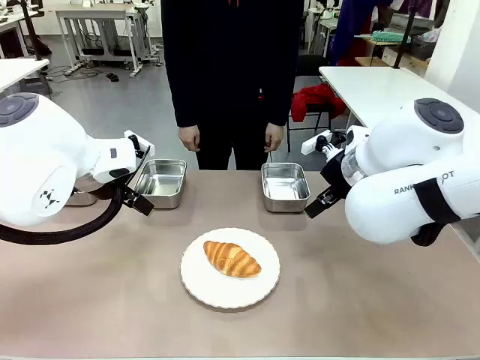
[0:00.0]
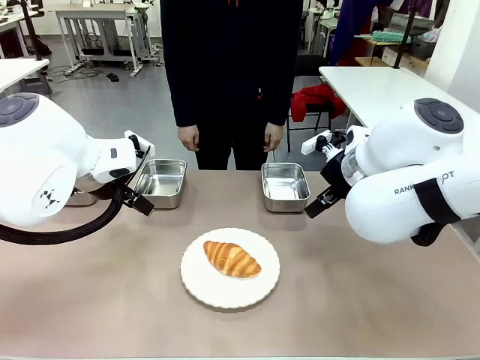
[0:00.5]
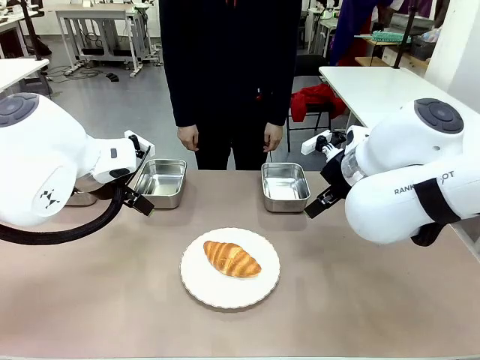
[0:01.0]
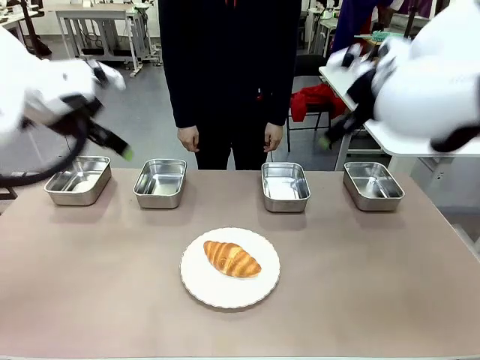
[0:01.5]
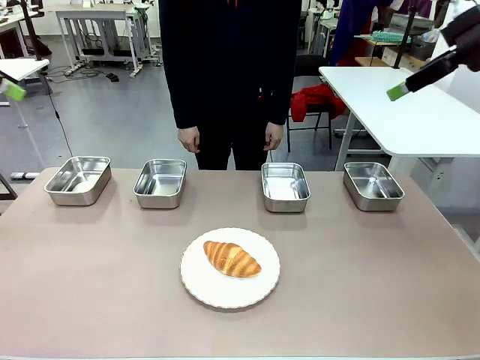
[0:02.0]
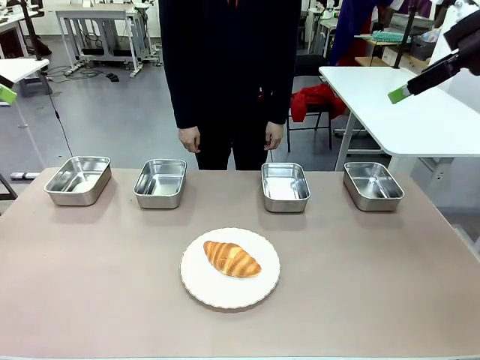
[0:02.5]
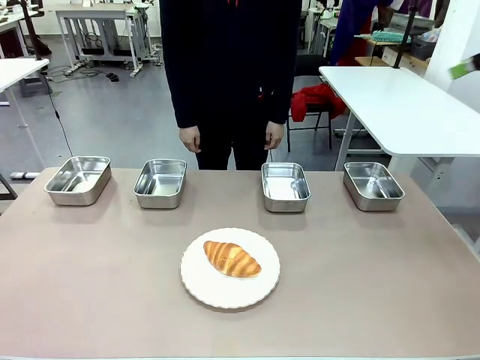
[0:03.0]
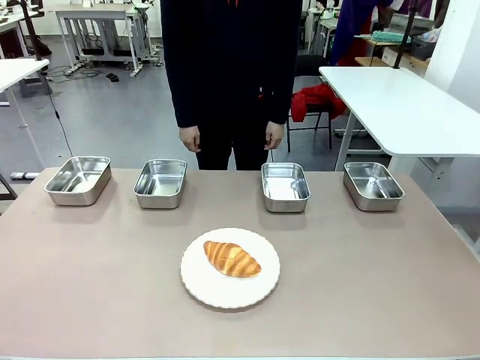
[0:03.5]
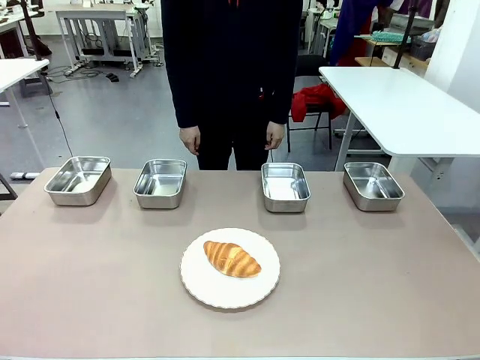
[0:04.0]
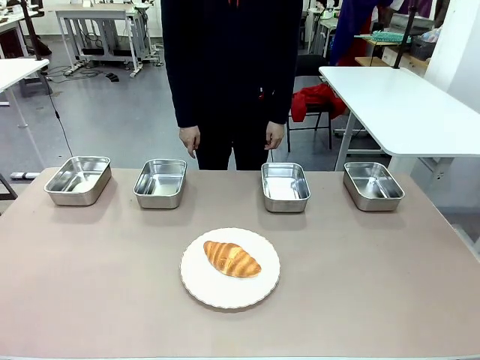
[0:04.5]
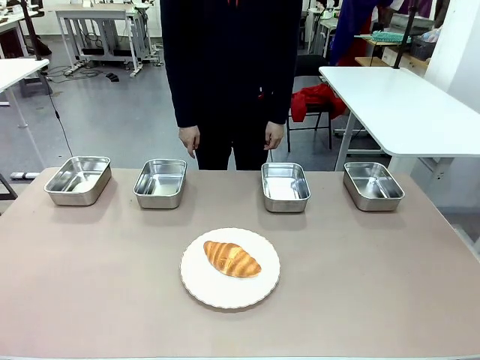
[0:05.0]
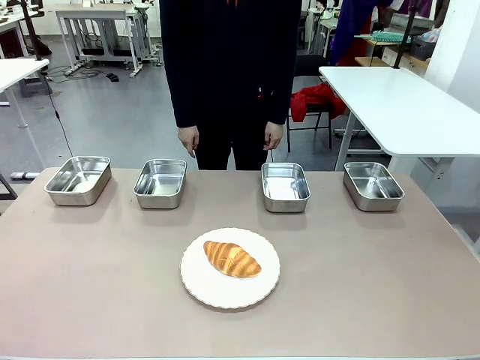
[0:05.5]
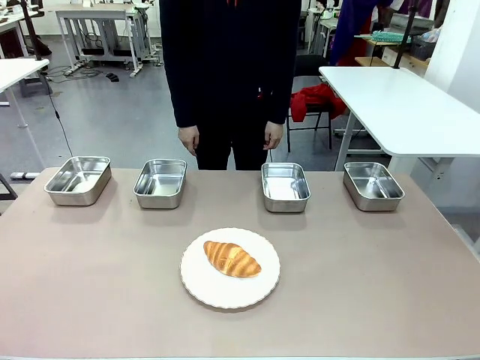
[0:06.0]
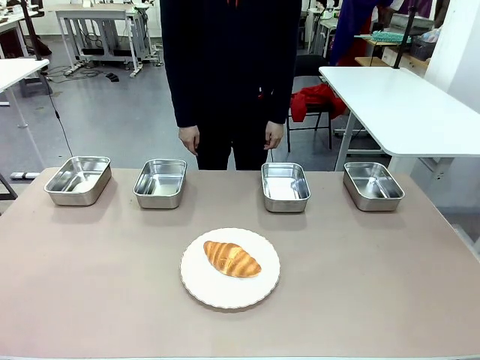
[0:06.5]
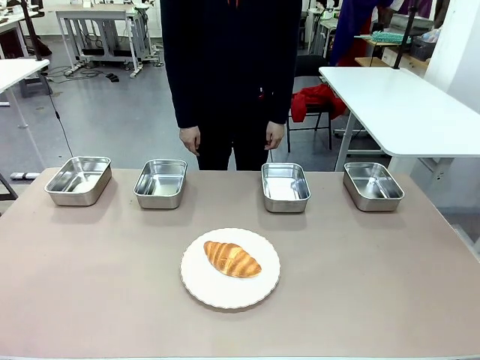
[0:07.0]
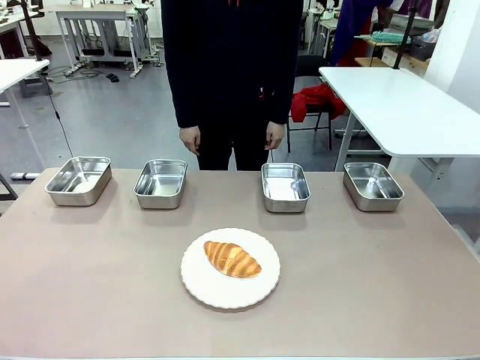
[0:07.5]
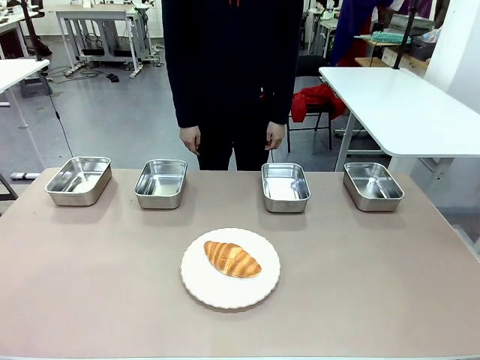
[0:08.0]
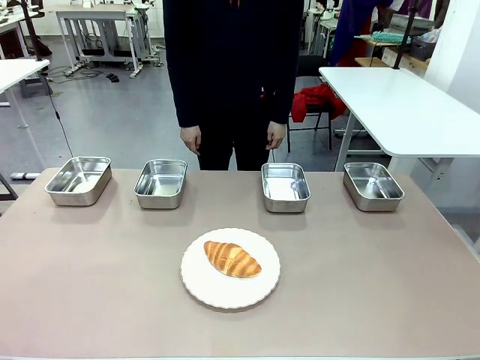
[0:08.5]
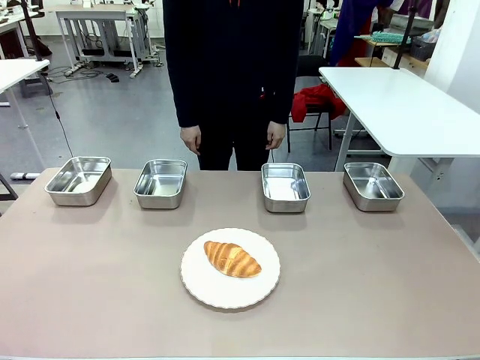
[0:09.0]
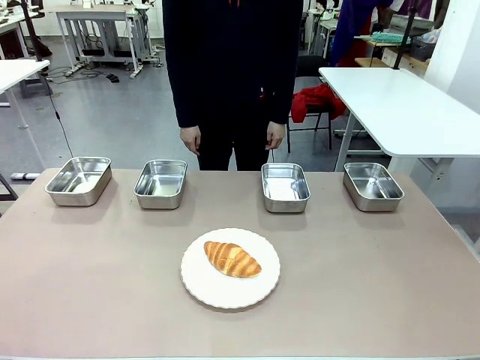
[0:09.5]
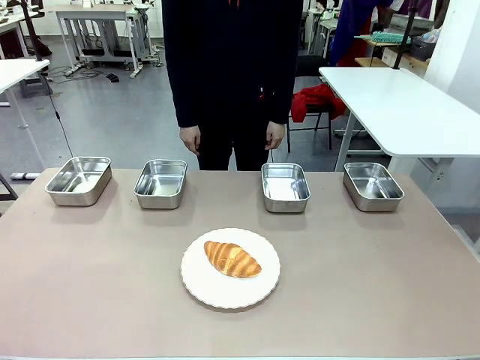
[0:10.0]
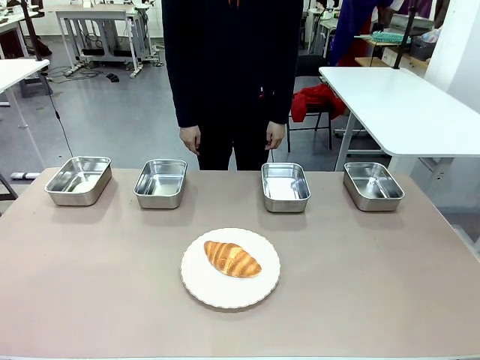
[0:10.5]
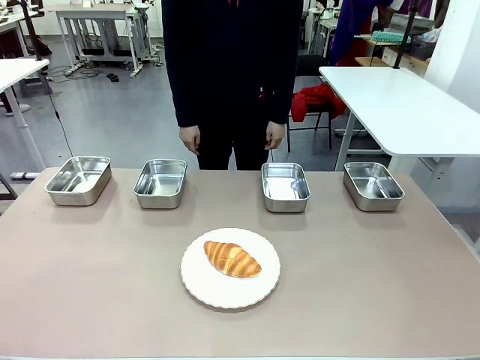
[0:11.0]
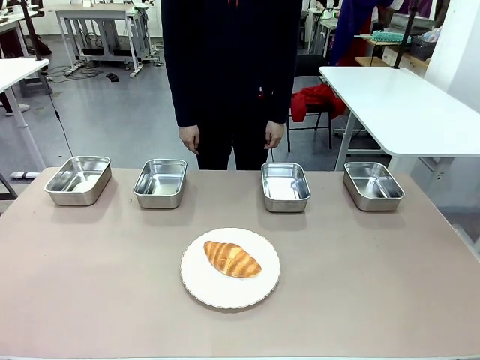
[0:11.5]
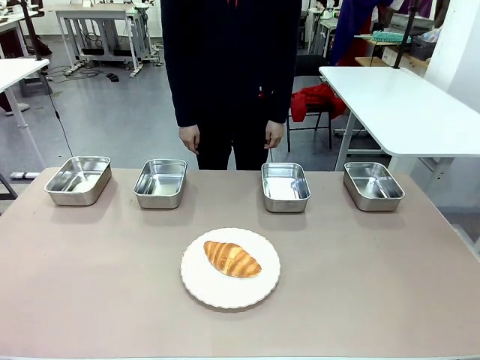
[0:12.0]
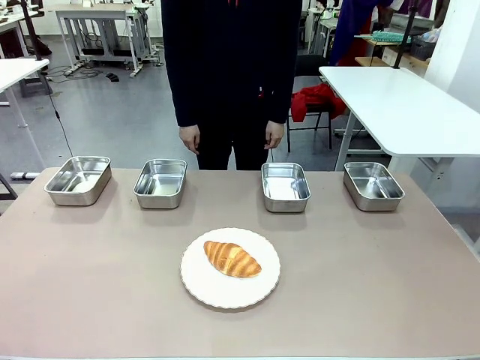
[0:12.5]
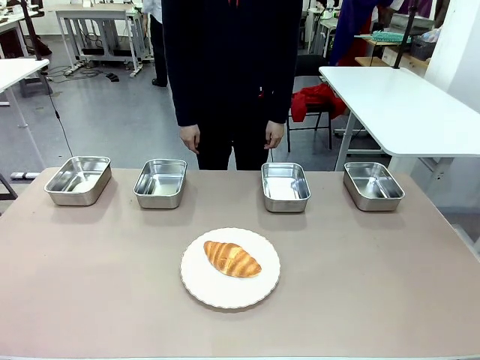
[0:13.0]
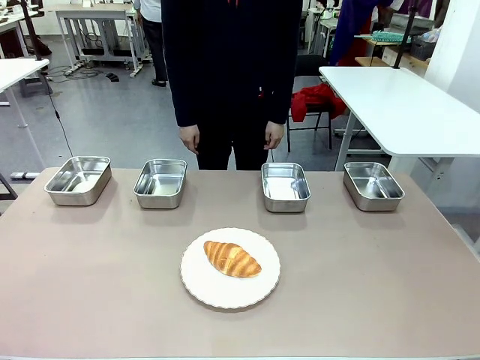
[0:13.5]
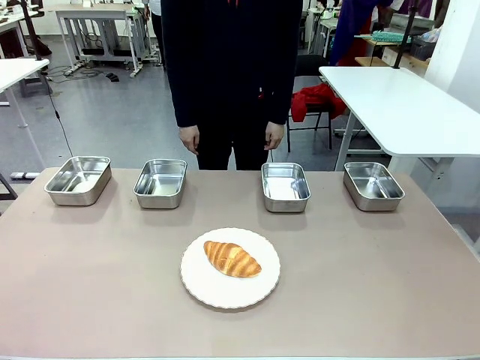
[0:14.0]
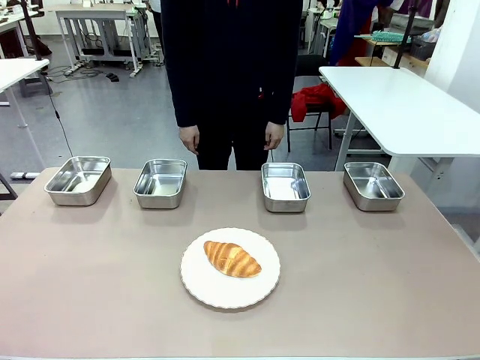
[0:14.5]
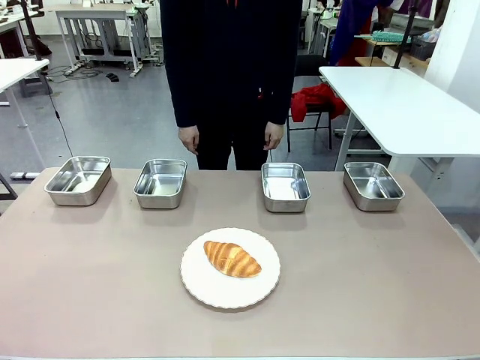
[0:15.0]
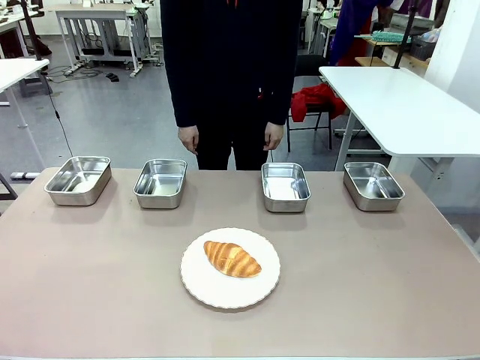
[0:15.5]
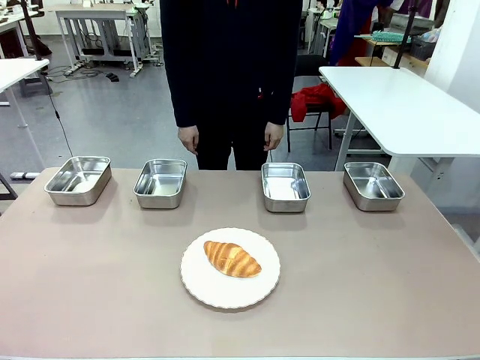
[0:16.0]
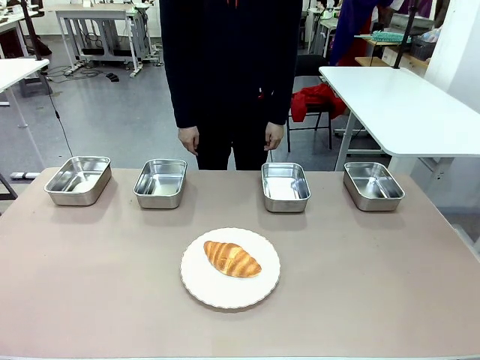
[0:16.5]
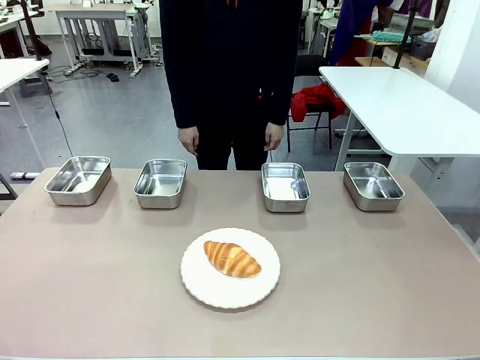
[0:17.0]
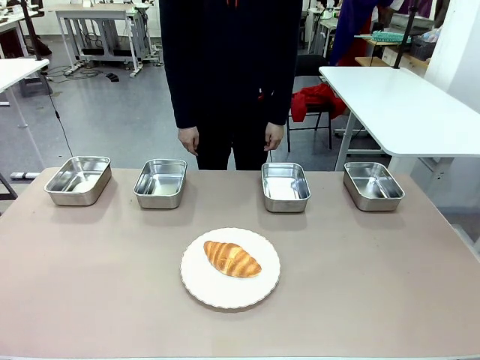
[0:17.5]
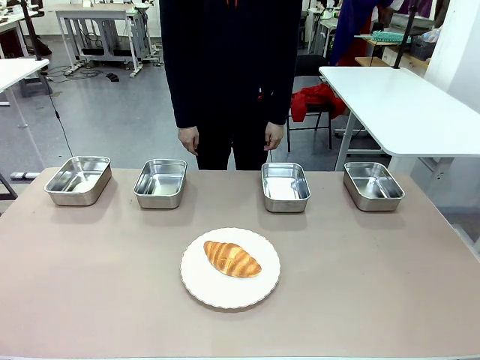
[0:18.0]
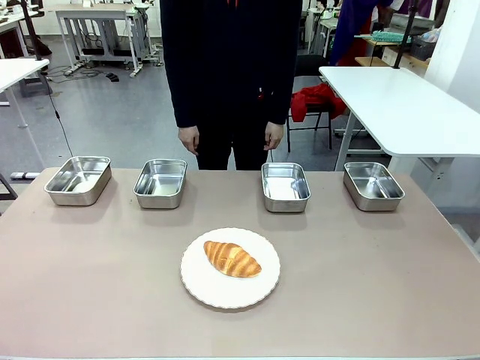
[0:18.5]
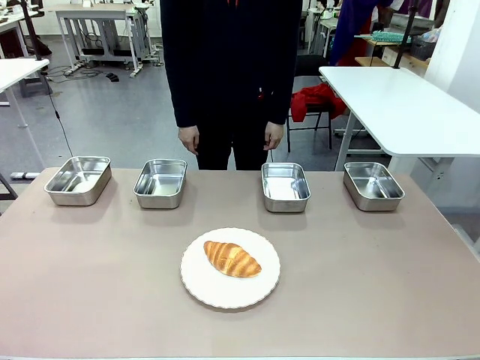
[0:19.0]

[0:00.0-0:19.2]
Task: Place the bread in the container.
Robot: Place the Butter Roll into the Airtight Container indicated by the human.
